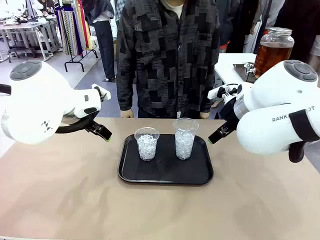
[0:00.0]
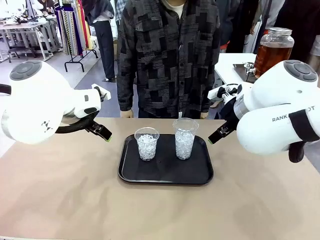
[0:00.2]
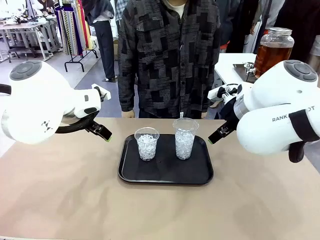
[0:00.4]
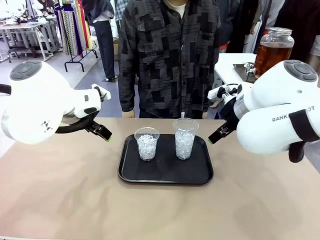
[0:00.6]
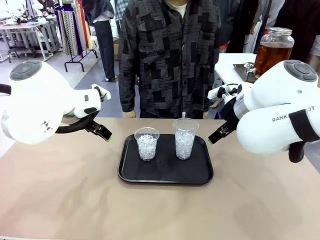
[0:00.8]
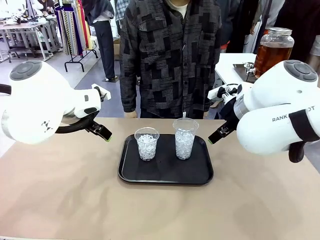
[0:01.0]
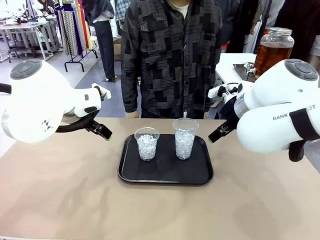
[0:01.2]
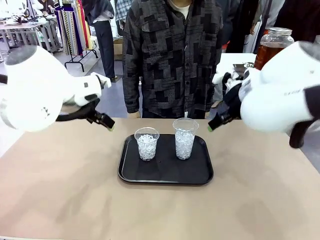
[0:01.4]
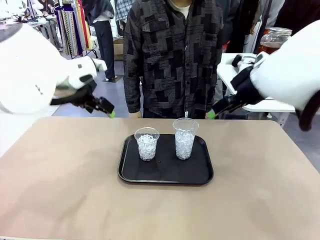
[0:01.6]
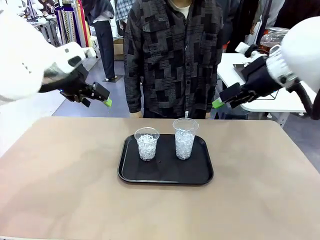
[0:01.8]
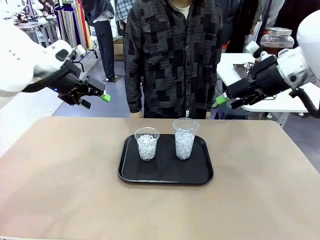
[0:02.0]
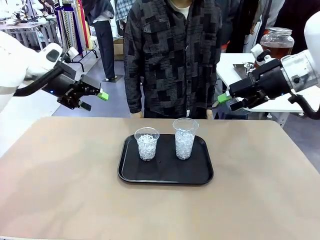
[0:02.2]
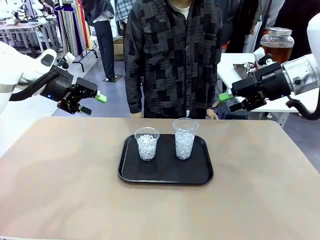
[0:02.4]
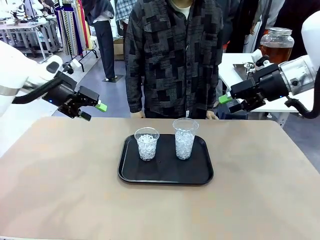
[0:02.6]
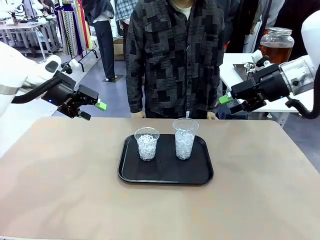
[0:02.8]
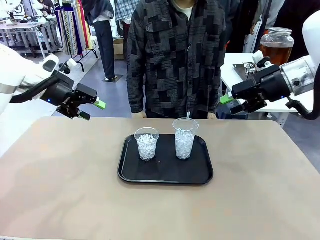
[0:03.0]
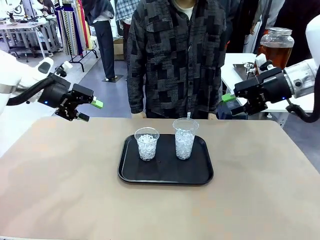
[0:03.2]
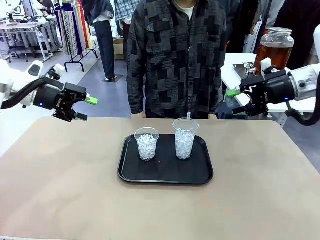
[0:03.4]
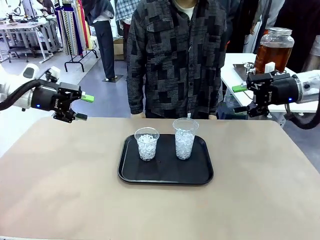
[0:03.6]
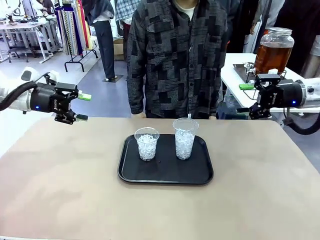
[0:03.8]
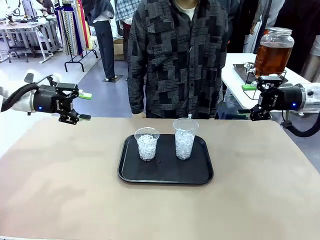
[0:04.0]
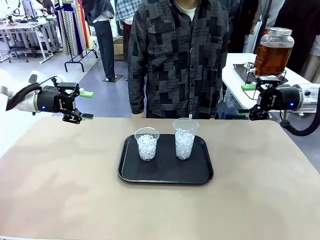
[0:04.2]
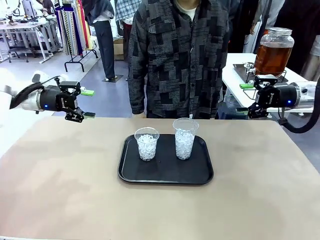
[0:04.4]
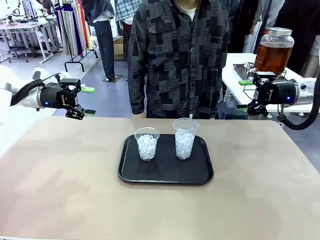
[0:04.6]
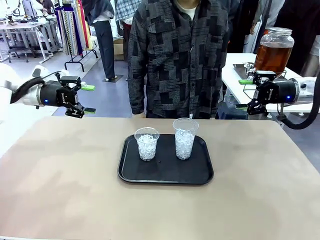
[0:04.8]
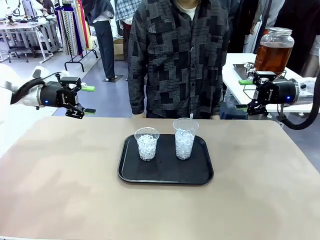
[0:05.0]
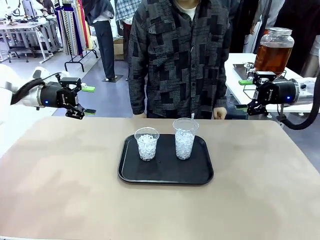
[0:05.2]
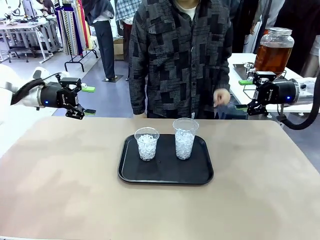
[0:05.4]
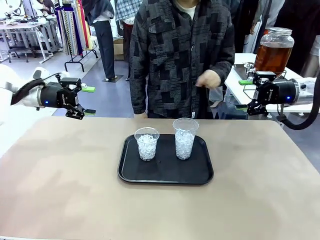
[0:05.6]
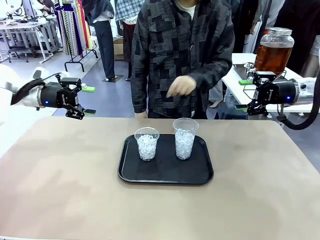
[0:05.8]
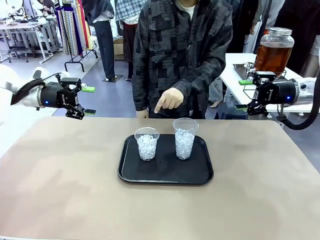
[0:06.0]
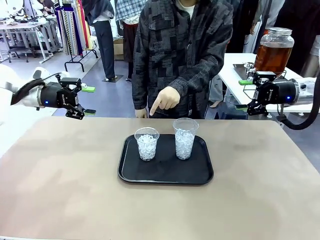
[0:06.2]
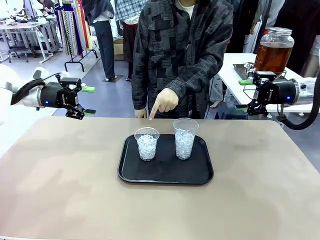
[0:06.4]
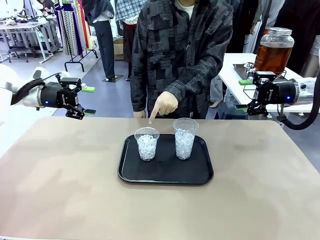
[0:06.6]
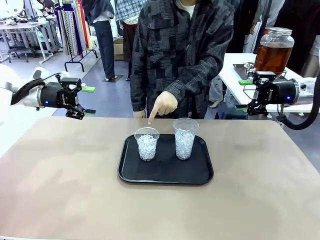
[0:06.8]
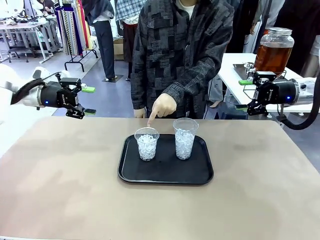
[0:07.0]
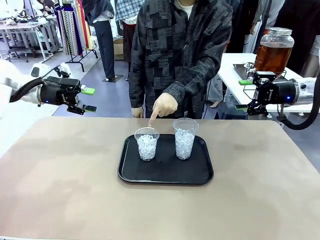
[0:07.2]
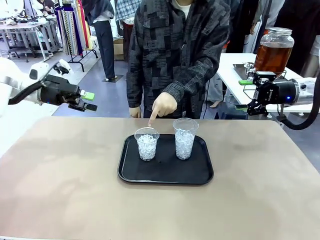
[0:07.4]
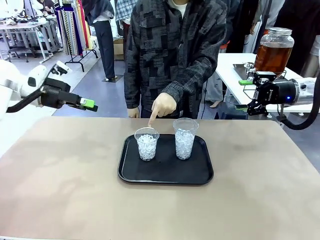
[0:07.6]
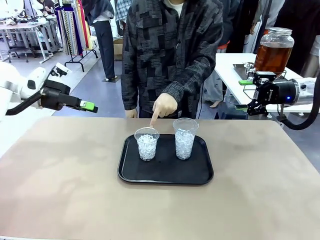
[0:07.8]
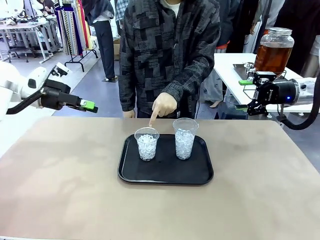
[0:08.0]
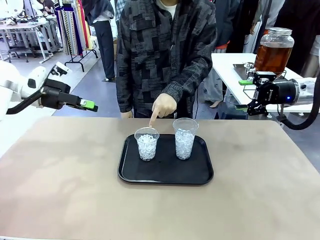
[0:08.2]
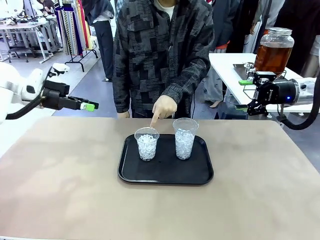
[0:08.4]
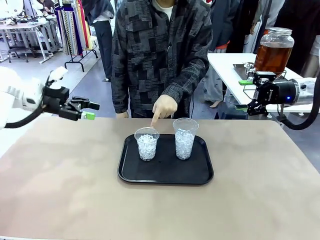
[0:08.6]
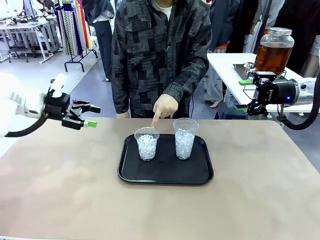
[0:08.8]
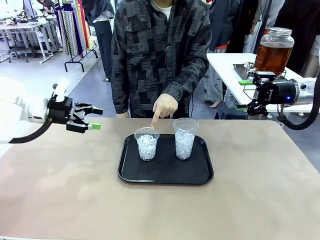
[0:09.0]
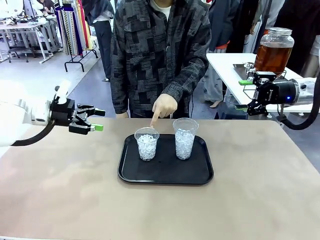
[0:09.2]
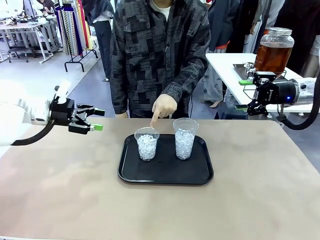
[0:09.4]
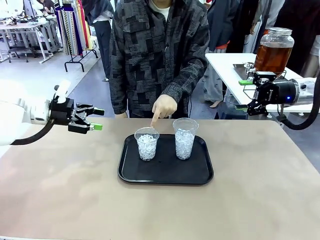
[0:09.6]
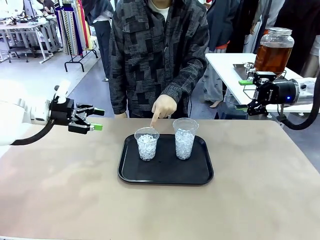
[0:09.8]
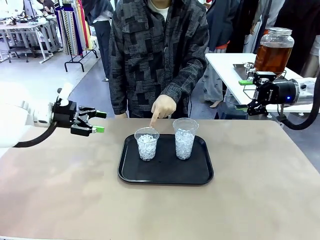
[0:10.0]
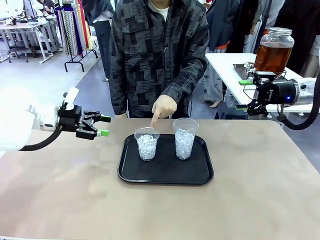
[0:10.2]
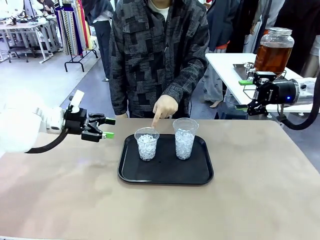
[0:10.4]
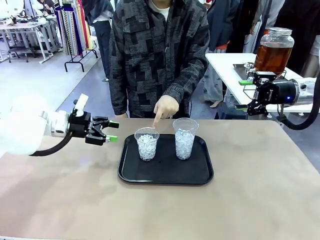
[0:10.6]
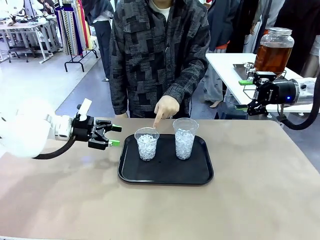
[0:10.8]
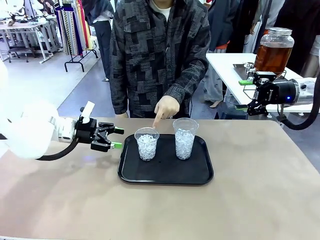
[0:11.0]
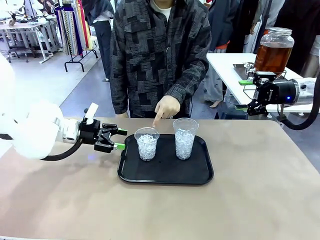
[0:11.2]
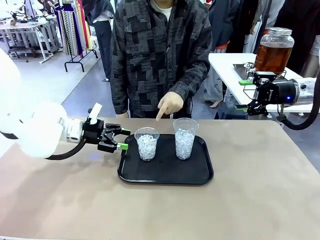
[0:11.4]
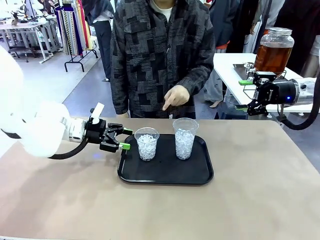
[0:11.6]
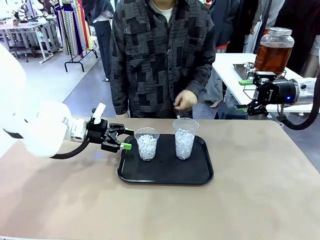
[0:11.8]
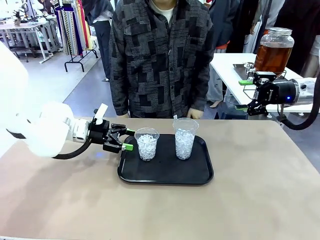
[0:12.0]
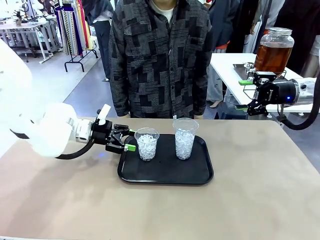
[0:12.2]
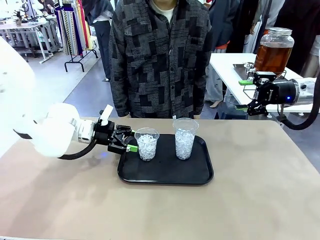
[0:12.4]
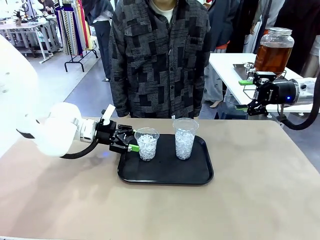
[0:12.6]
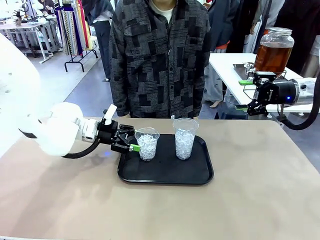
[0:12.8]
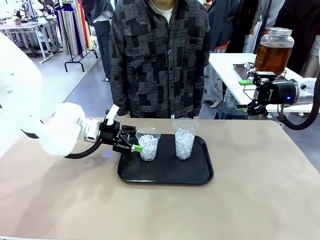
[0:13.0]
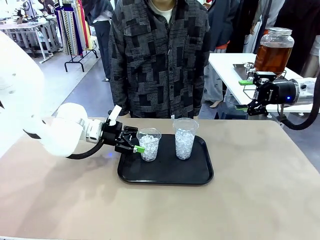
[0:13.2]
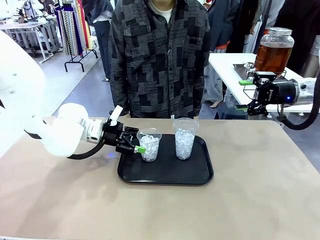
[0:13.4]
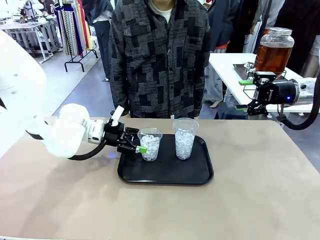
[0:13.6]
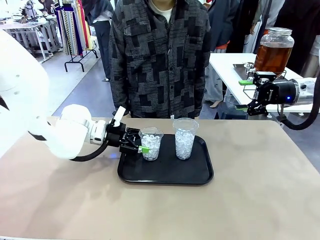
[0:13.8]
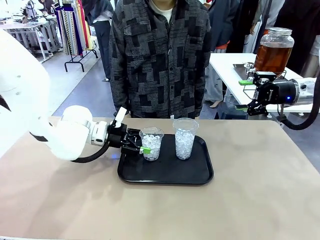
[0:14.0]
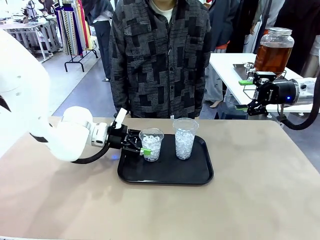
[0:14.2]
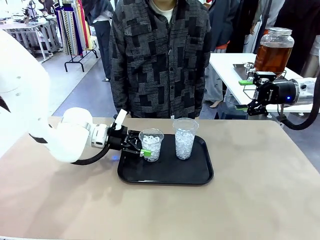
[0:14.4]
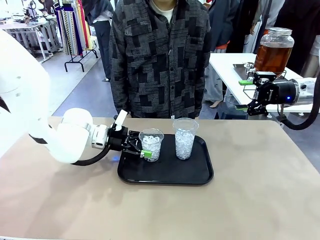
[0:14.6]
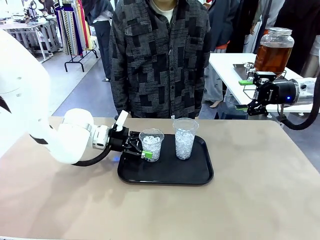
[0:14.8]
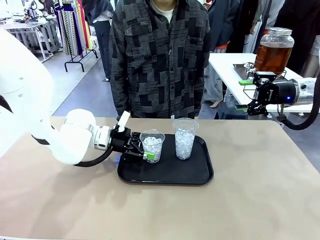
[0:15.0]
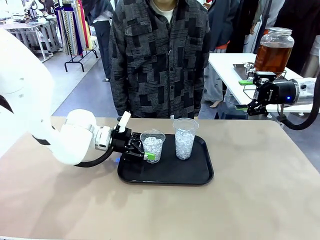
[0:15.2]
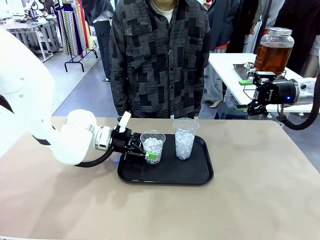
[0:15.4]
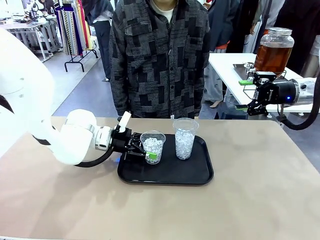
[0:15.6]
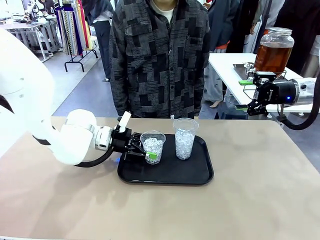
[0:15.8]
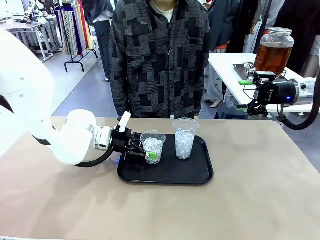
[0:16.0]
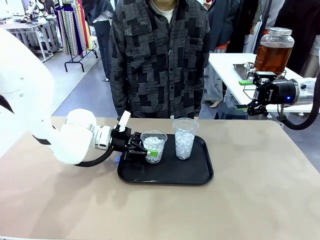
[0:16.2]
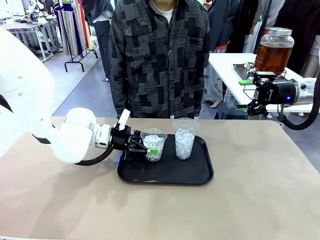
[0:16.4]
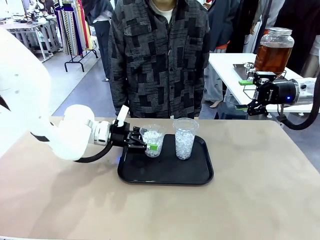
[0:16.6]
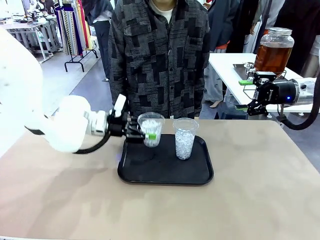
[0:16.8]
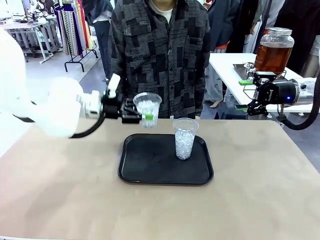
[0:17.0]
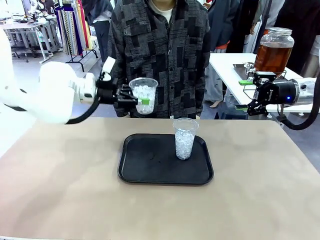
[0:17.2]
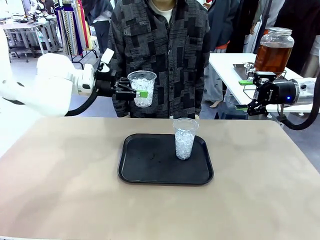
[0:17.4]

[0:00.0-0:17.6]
Task: Pour the drink into the iced cup.
Robot: Pick up the iced cup indicated by the human and present it to them.
Person: Point to one of the two ice cups. Pick up the cup offered by the robot.

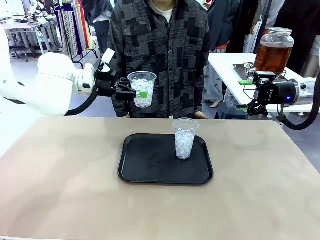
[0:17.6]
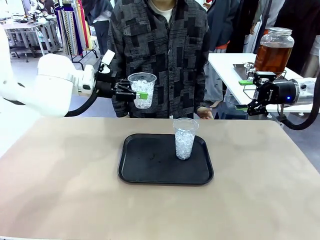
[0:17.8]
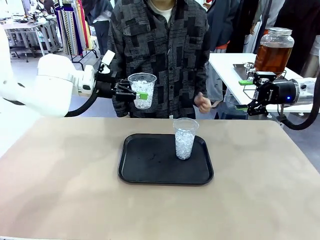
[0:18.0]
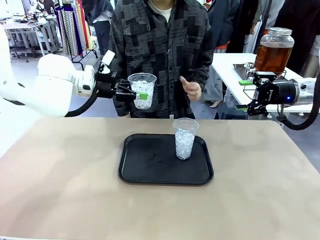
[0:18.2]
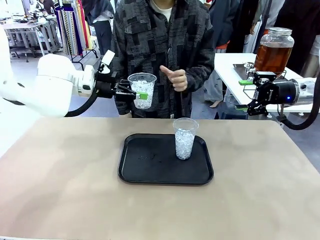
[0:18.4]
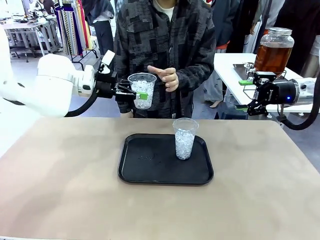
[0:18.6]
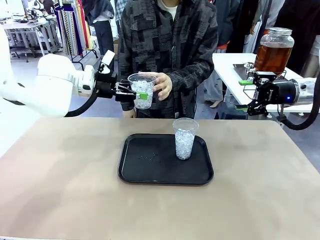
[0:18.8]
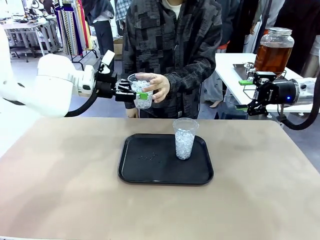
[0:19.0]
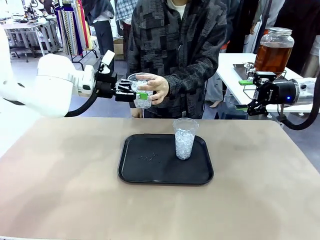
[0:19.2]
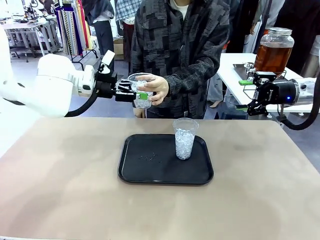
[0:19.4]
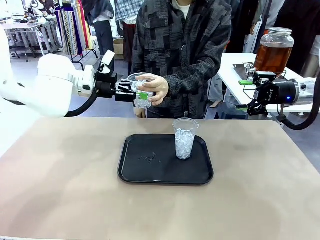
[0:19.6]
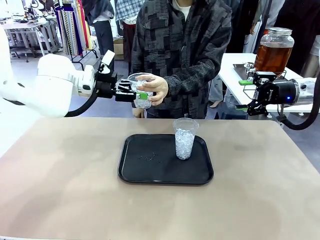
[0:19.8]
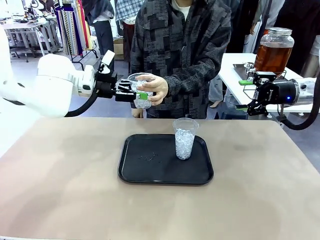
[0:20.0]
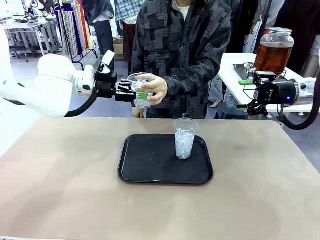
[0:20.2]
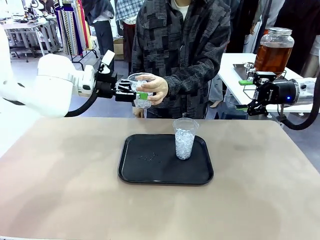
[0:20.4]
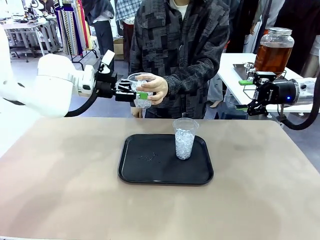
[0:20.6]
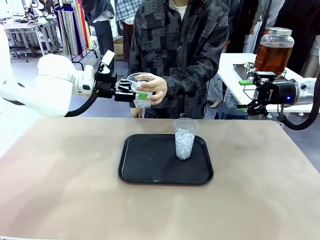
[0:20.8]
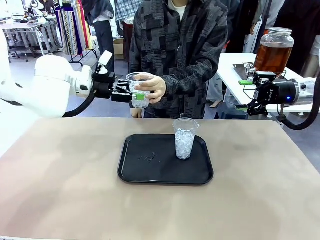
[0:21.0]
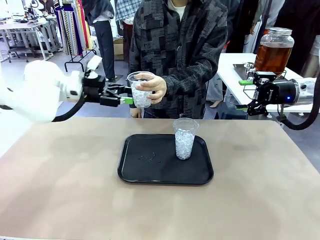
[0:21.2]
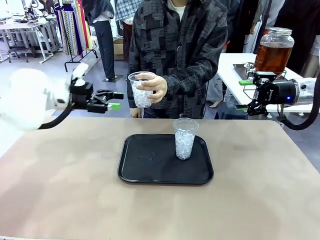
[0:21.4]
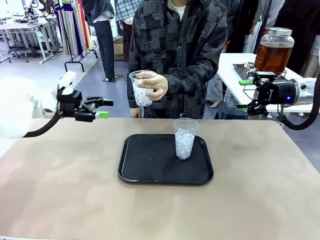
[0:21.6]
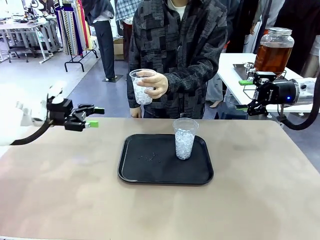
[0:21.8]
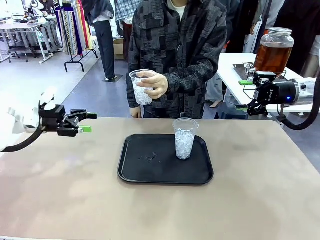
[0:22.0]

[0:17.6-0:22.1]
Robot: Open the gripper to release the iced cup you were holding.
